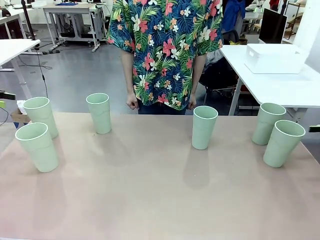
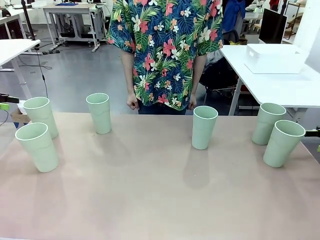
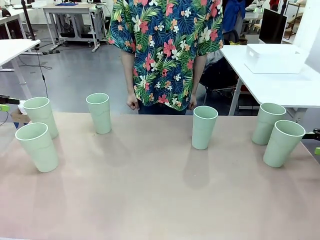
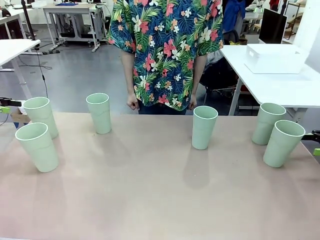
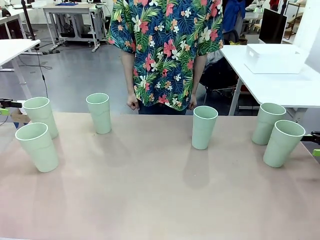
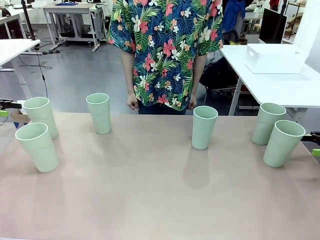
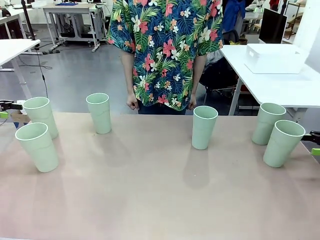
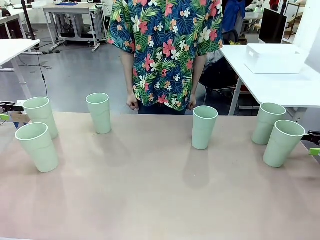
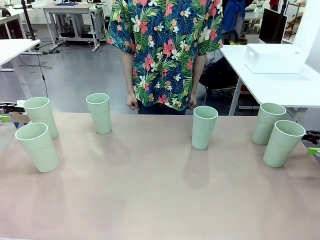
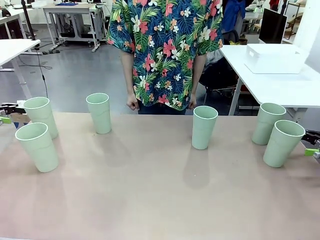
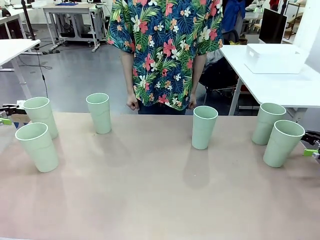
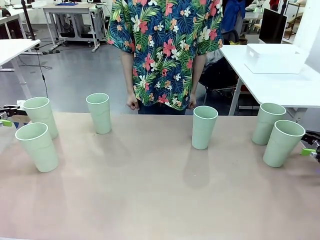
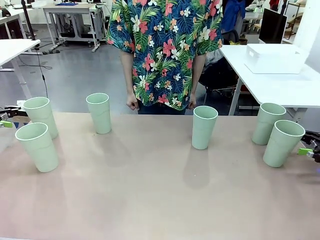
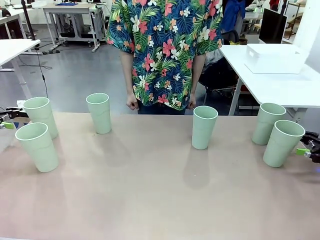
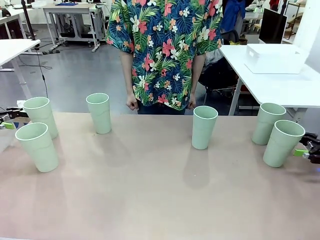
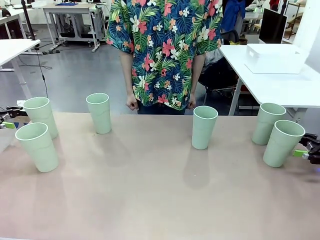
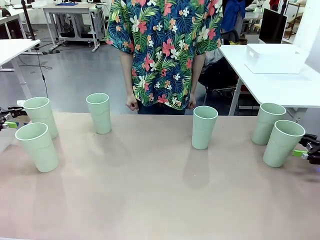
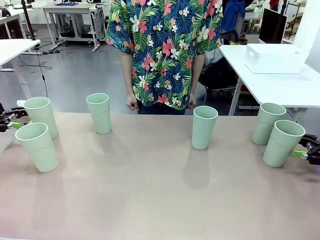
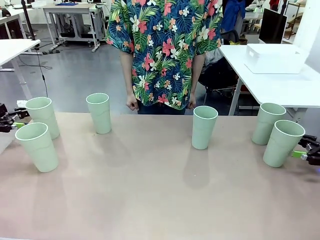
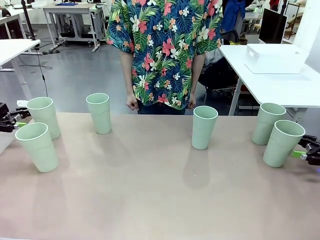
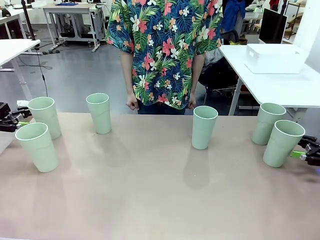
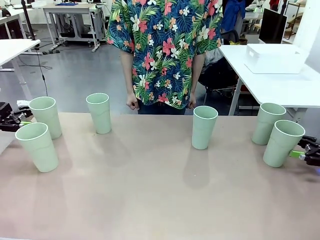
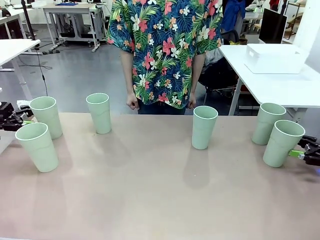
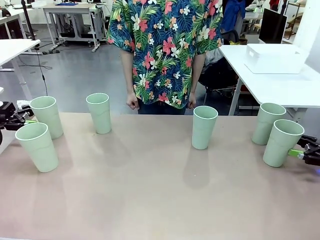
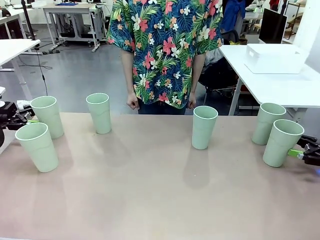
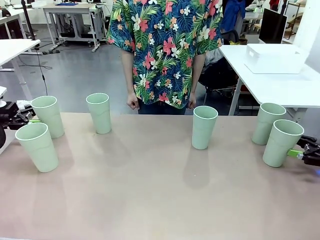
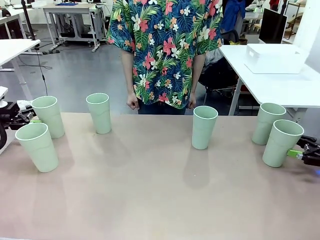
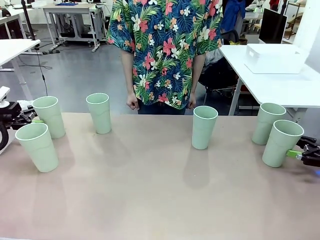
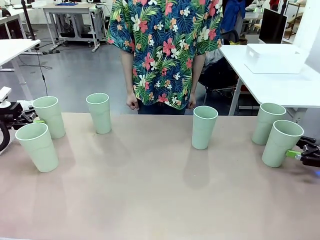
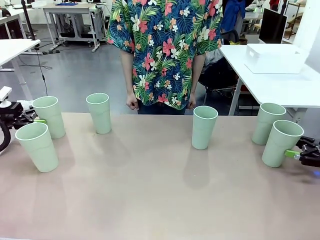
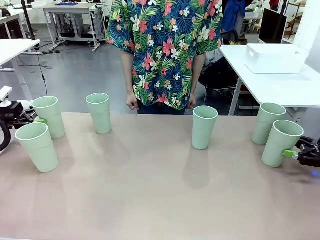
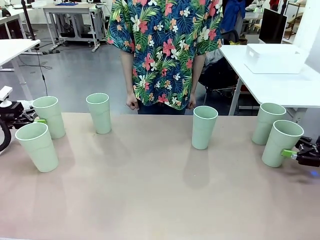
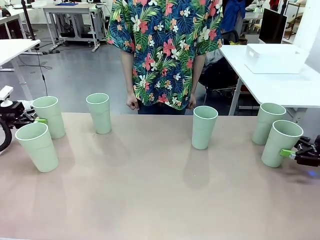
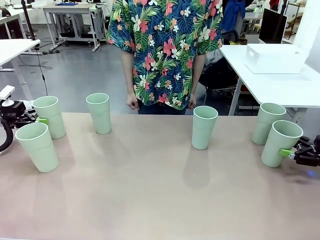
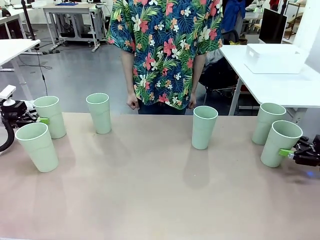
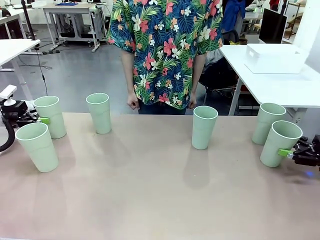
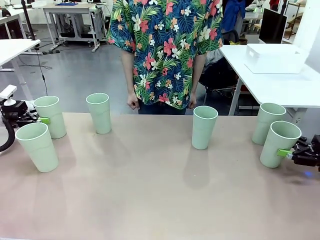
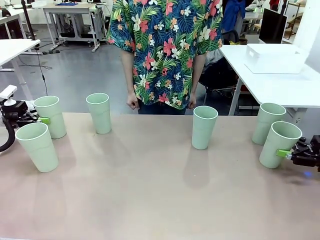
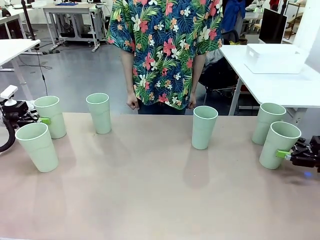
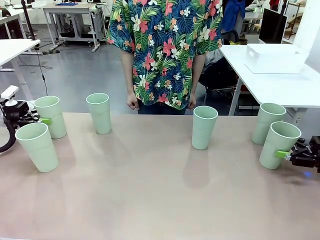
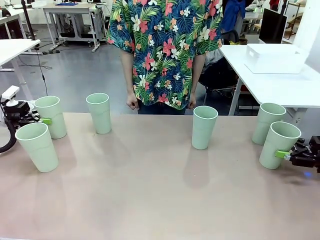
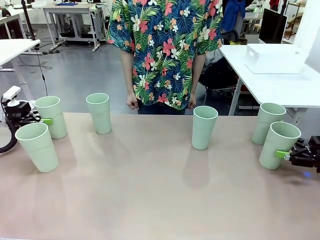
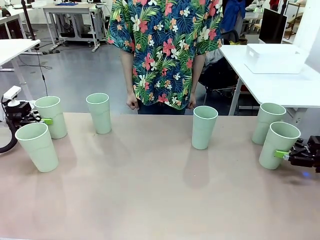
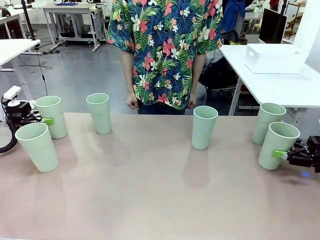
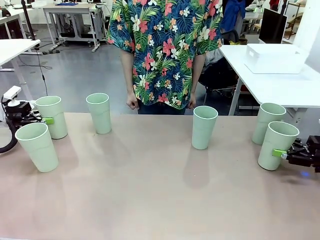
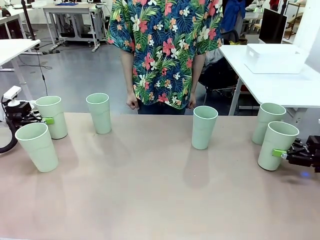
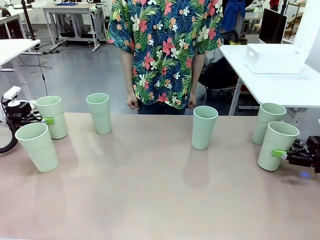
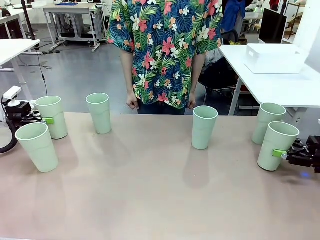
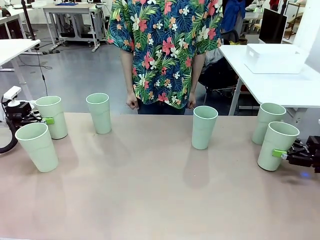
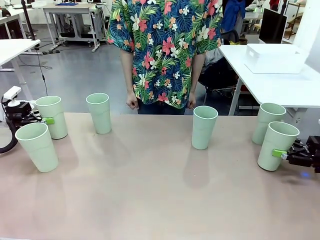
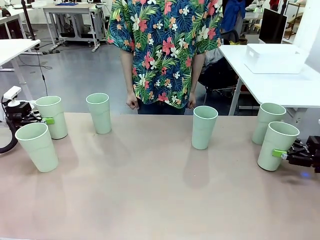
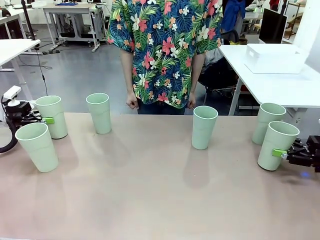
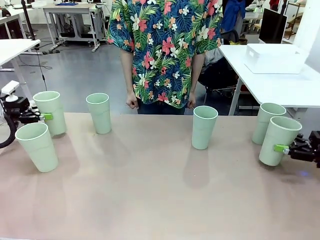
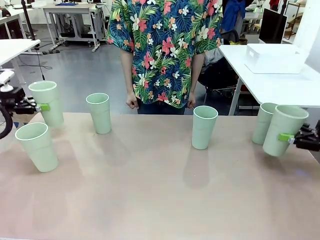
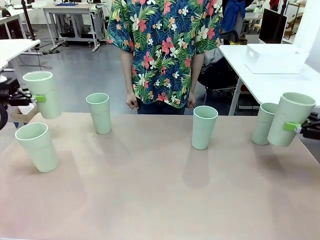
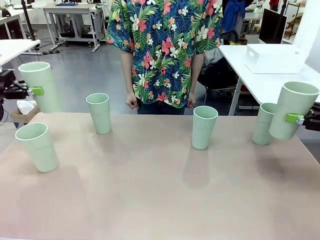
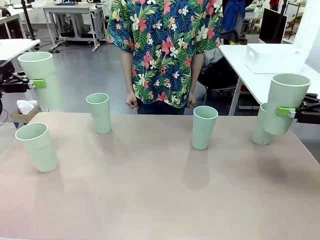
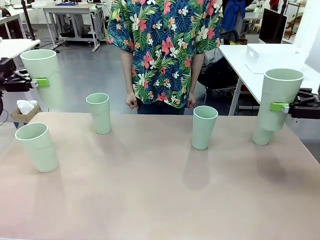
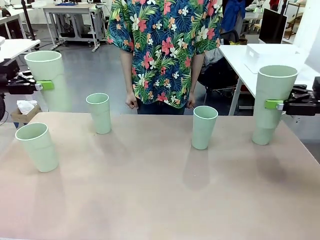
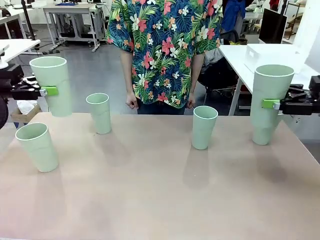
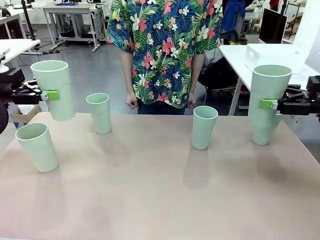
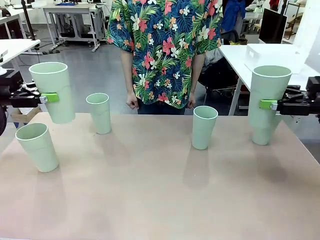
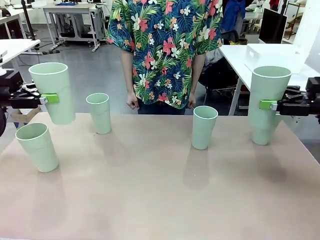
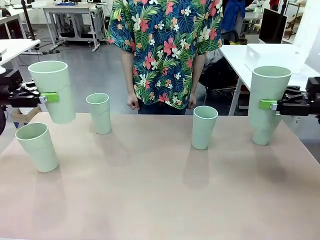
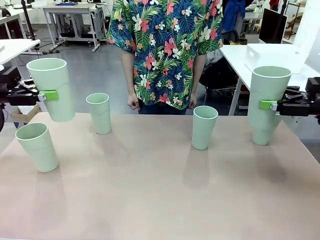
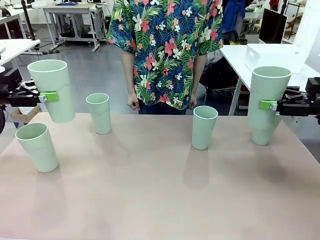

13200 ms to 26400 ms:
Task: Stack the cups and store them in the basket.
Robot: Pick up two Reusable plastic cups , one in each hand.
